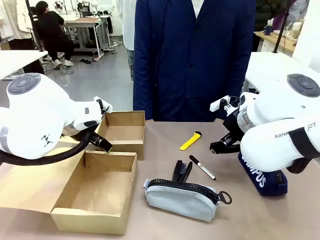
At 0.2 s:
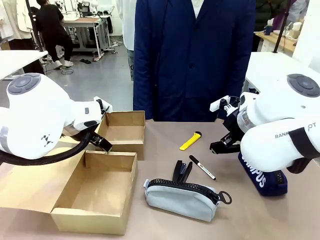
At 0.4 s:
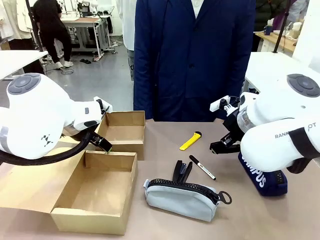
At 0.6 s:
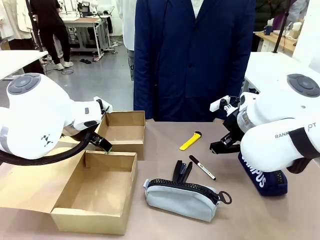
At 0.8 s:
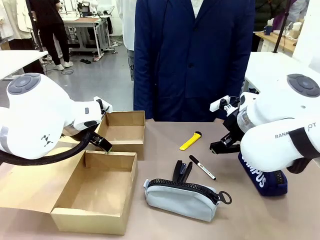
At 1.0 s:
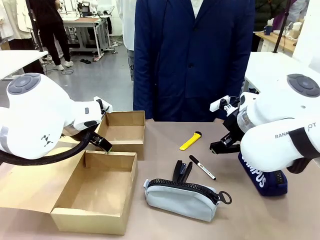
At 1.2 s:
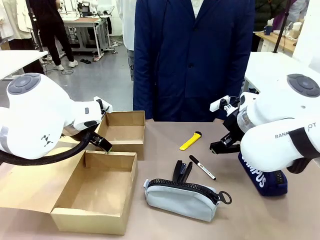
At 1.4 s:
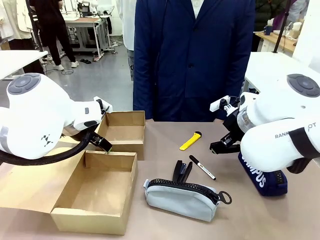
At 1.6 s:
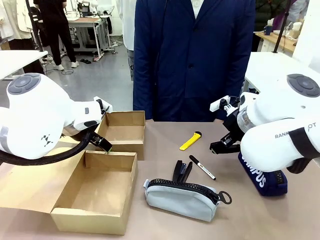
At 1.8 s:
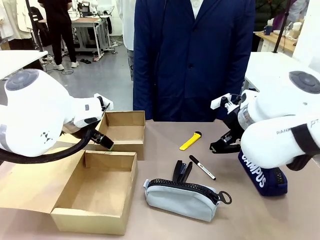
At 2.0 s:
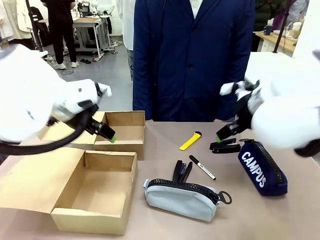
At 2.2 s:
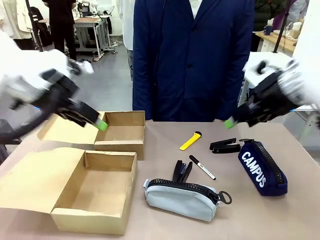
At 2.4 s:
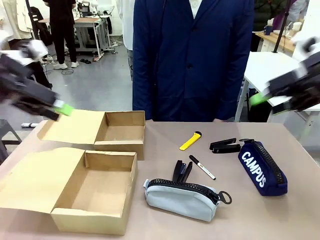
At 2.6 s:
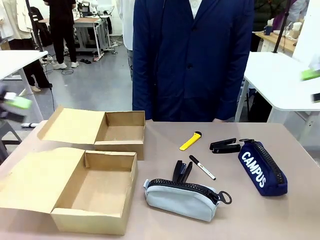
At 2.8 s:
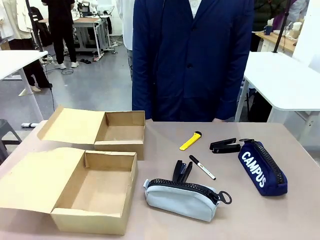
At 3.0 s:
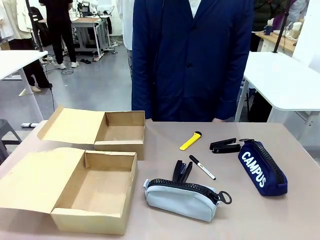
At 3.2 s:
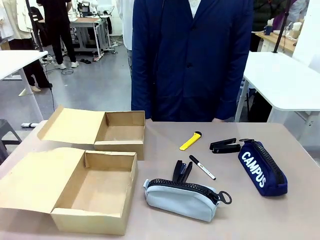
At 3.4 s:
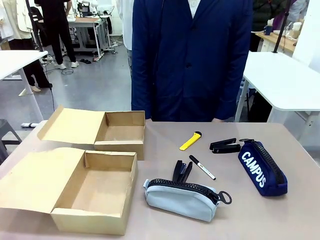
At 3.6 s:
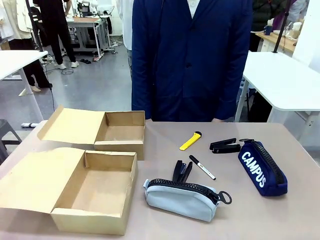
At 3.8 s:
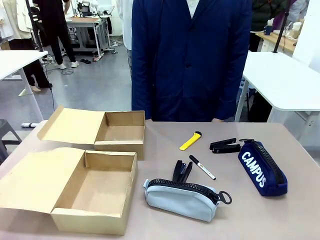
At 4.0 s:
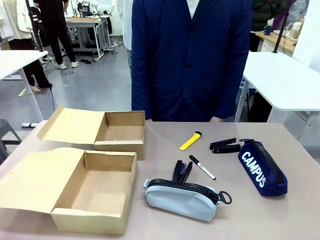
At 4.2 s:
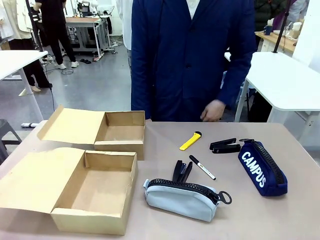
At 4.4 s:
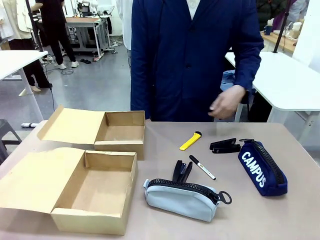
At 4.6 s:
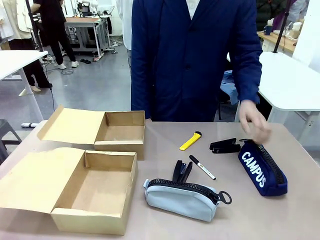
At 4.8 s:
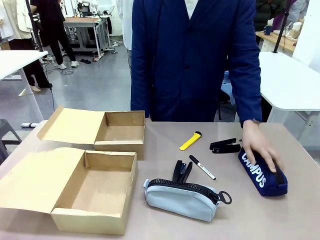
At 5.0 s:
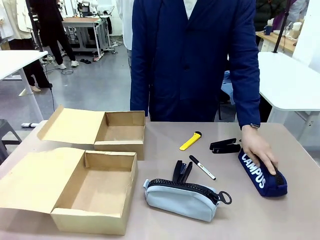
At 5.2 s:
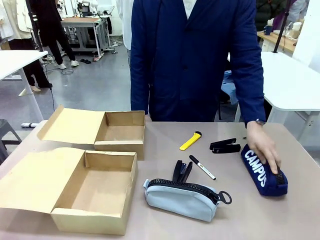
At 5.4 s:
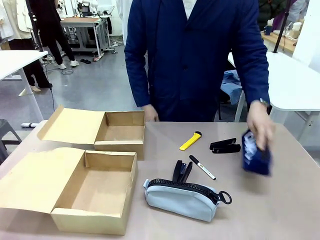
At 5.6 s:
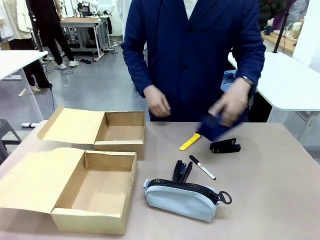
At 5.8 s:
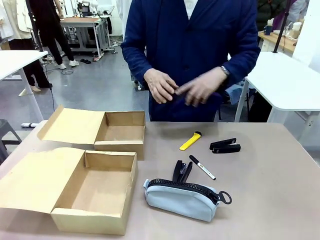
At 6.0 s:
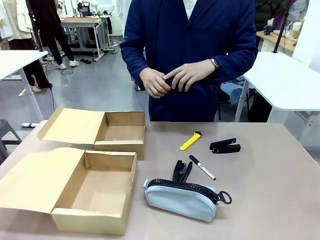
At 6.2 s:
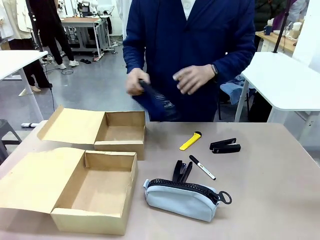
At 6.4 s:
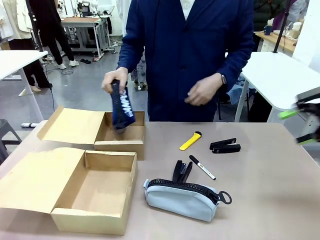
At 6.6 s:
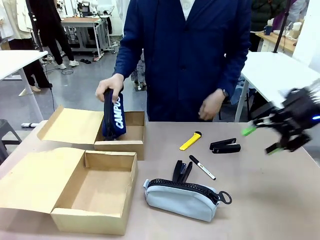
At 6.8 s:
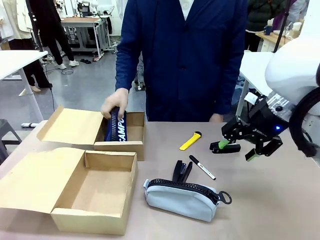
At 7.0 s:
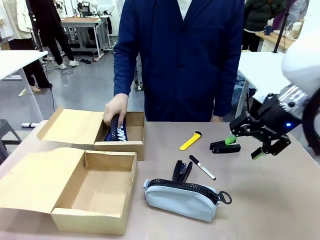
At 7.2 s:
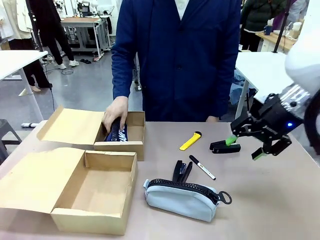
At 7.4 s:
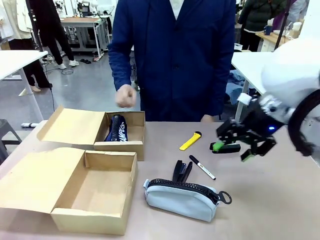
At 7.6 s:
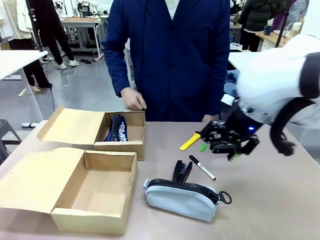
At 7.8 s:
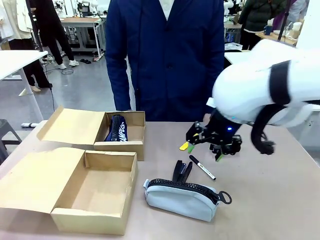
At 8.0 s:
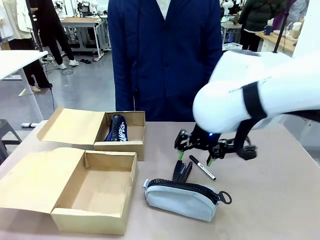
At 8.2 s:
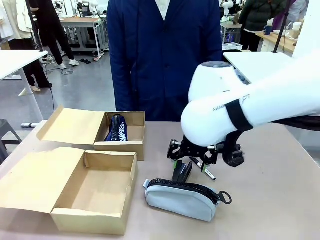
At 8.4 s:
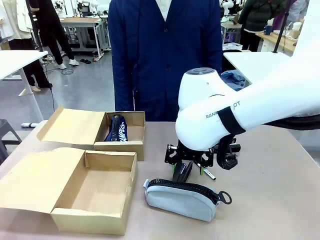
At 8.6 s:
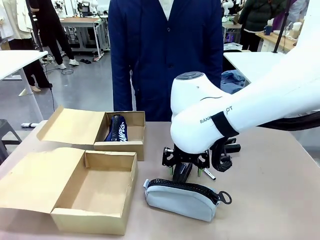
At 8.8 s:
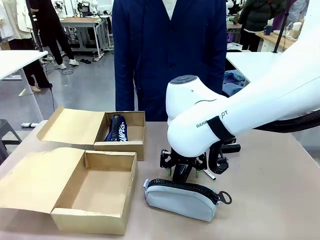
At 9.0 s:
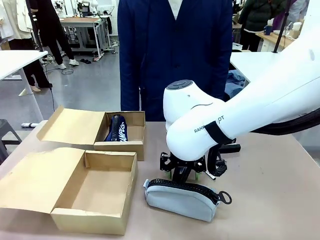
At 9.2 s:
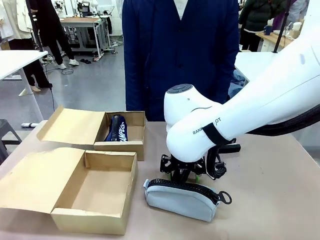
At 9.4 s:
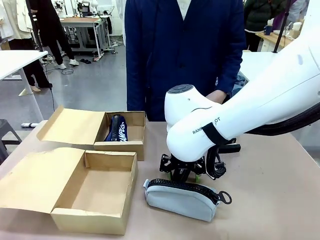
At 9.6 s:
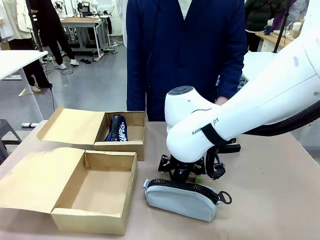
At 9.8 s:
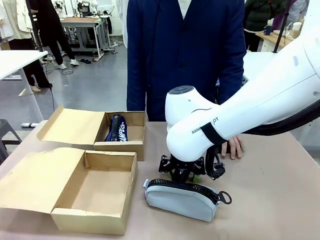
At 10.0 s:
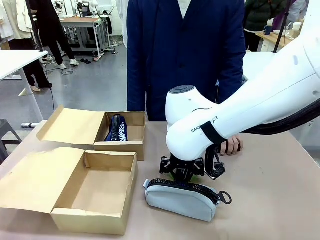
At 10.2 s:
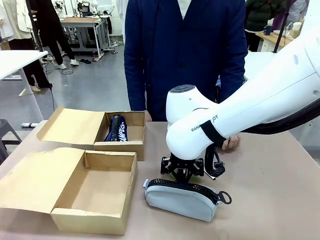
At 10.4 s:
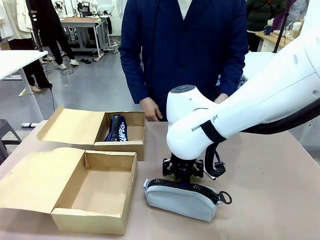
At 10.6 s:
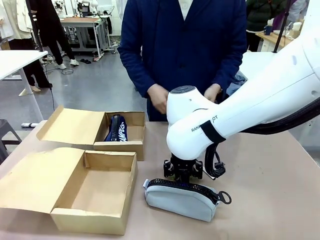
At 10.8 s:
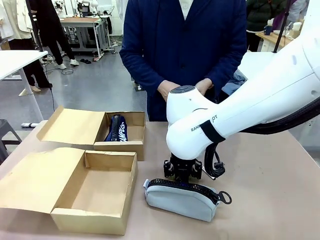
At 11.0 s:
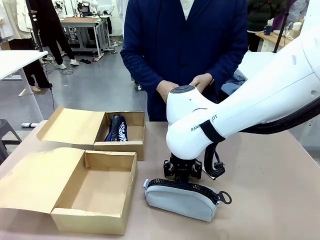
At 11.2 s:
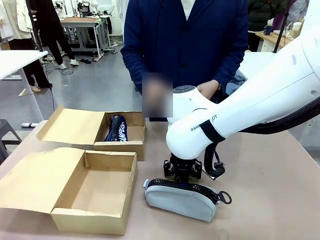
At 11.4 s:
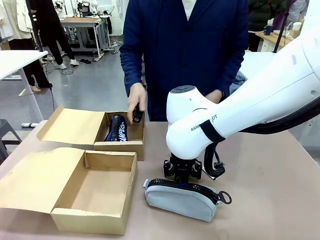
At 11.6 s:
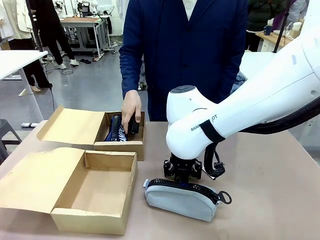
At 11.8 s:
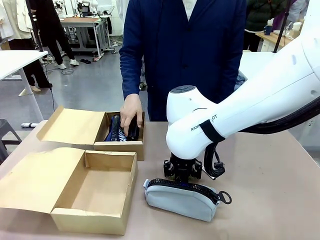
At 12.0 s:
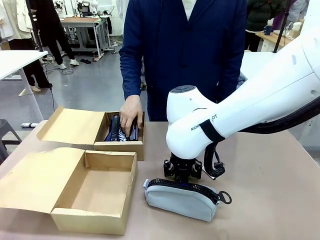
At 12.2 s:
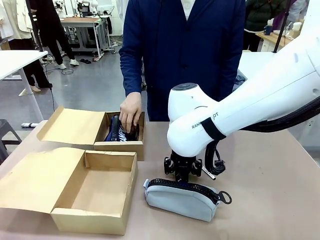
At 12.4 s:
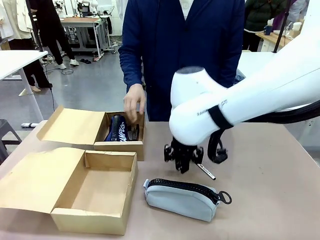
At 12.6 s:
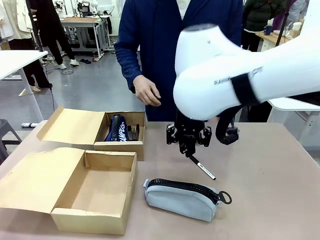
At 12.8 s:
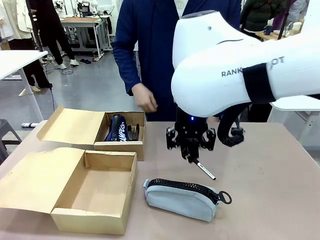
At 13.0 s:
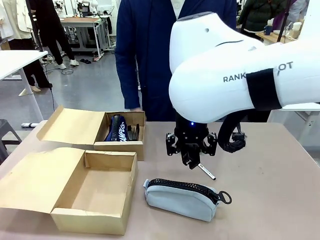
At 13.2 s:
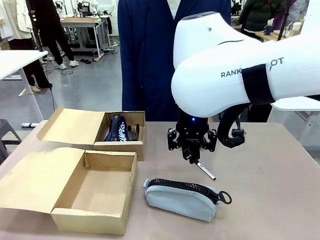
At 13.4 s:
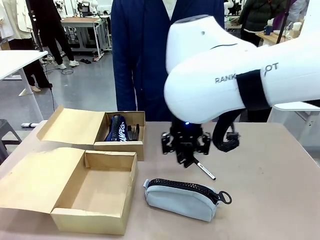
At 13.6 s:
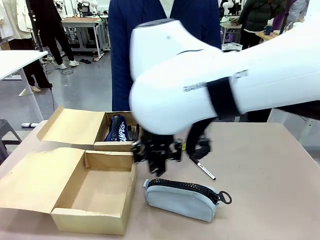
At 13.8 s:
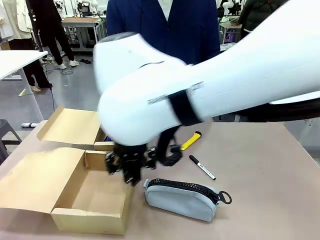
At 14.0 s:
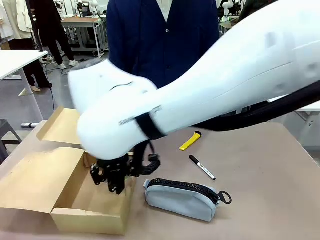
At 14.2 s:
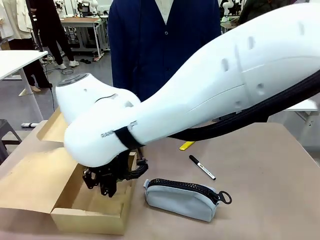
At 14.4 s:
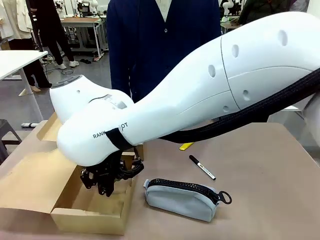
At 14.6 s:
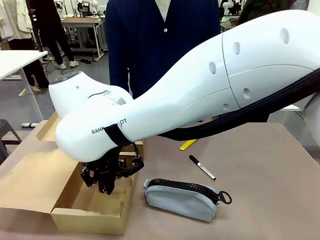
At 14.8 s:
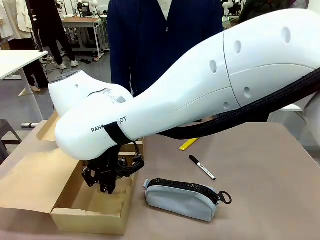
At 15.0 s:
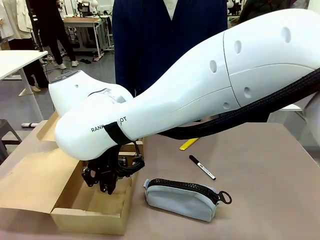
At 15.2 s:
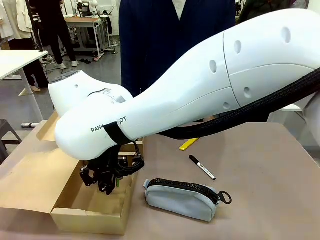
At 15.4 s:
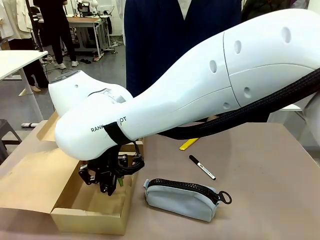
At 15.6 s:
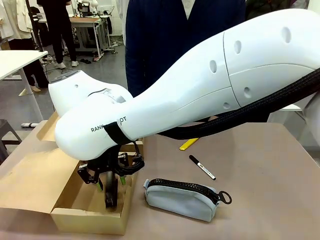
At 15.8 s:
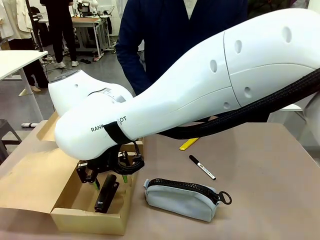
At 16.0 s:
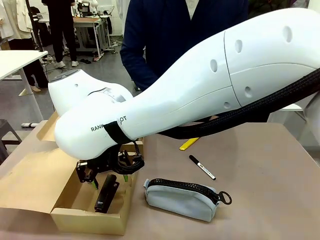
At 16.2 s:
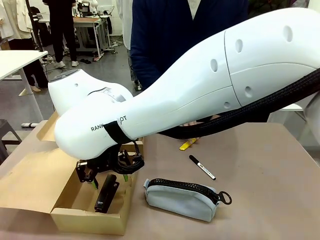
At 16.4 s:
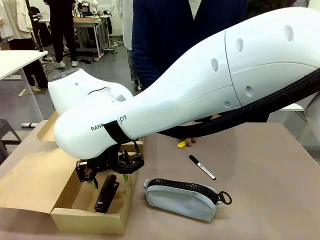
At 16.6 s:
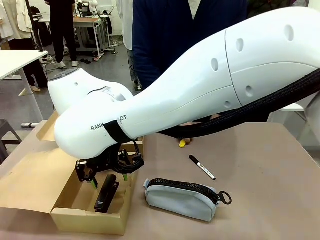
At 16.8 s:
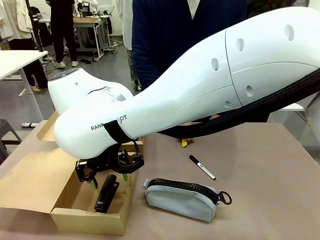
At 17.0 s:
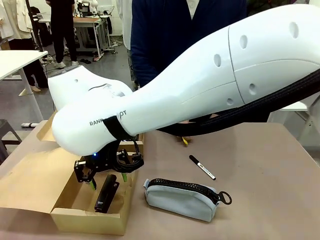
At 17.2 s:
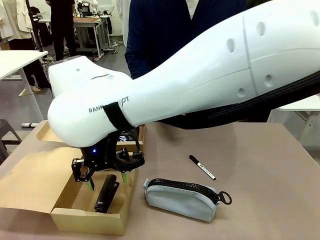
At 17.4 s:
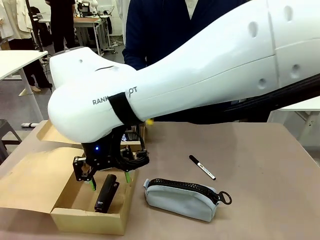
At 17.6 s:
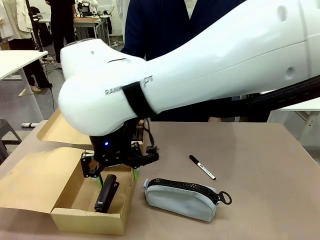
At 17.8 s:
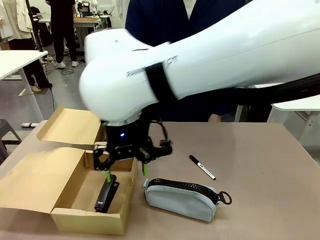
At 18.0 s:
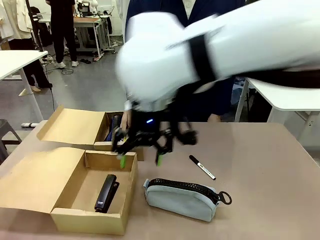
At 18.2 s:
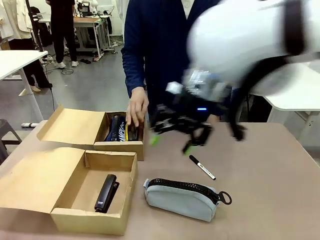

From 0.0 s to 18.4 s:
Task: Place items inside the box.
Robot: Pick up a Pencil pouch or Stapler and place it inside the Mailer Box closest to the robot.
Person: Pick up an object on the table and put it in the box.
